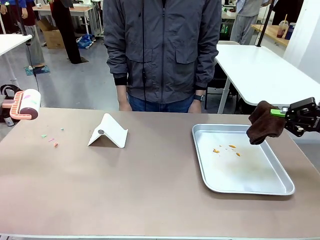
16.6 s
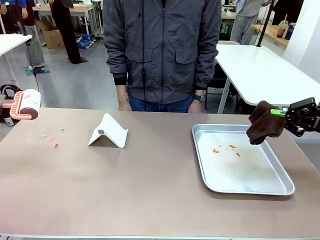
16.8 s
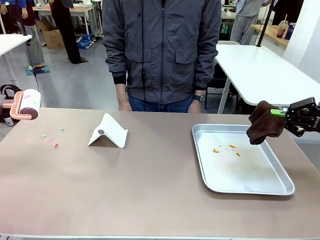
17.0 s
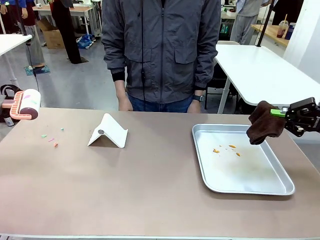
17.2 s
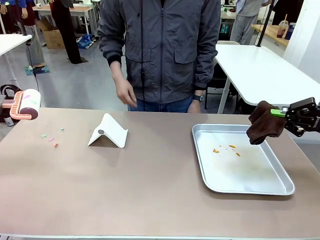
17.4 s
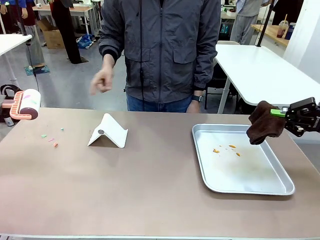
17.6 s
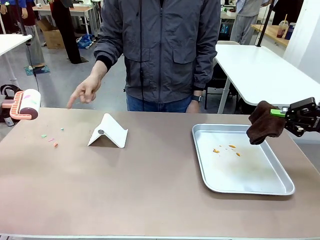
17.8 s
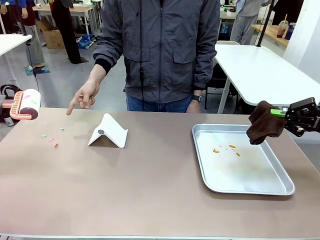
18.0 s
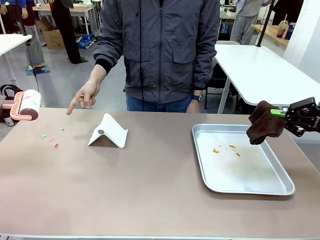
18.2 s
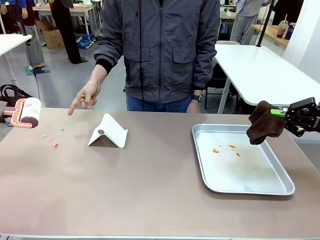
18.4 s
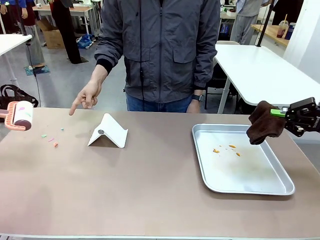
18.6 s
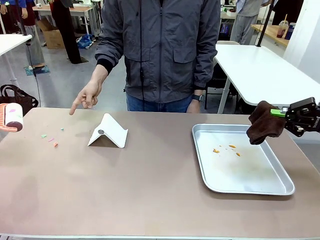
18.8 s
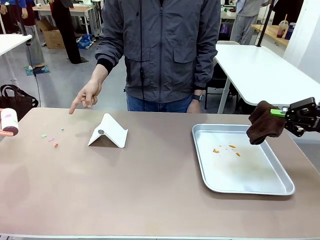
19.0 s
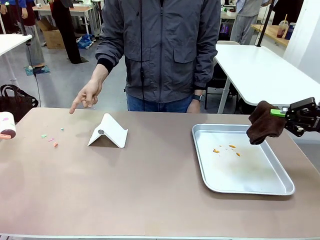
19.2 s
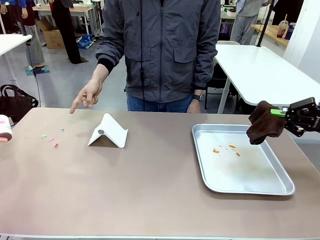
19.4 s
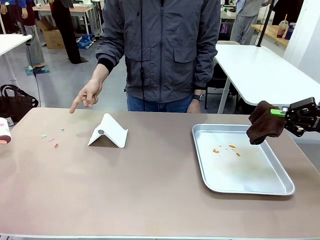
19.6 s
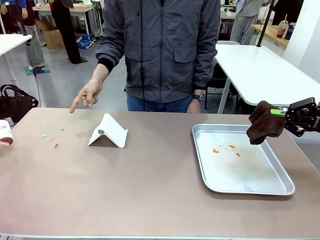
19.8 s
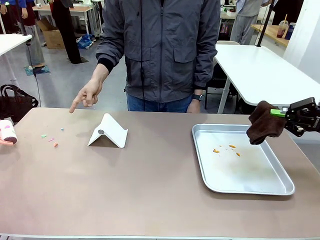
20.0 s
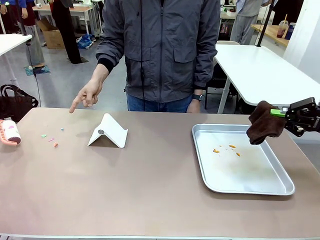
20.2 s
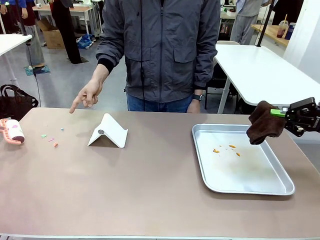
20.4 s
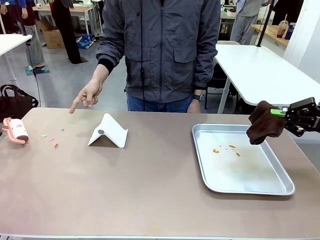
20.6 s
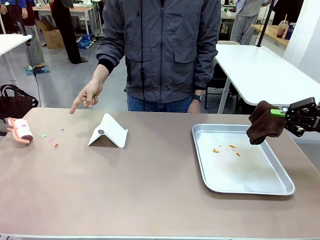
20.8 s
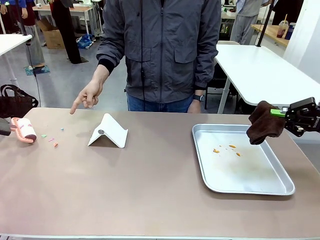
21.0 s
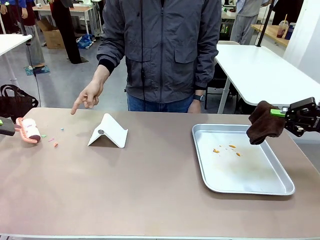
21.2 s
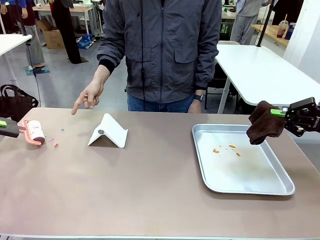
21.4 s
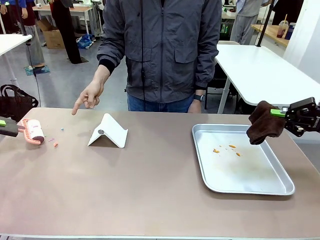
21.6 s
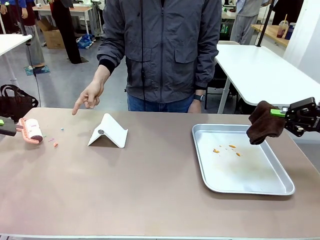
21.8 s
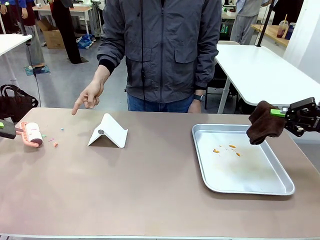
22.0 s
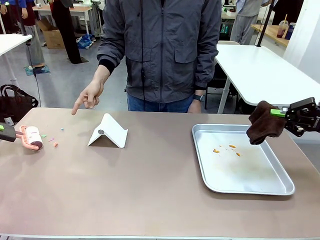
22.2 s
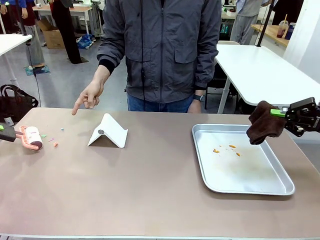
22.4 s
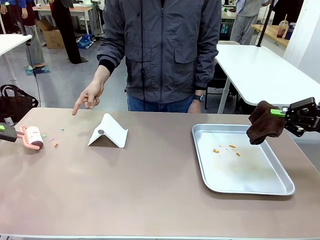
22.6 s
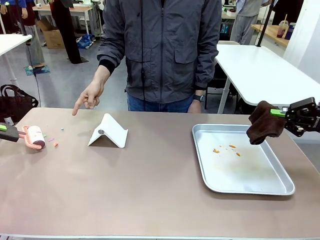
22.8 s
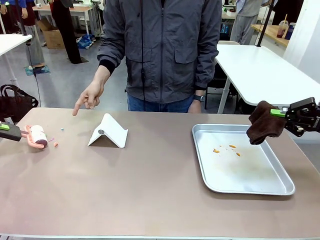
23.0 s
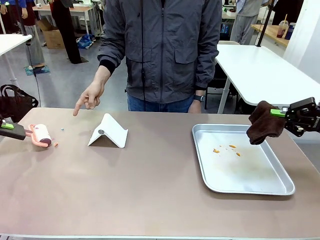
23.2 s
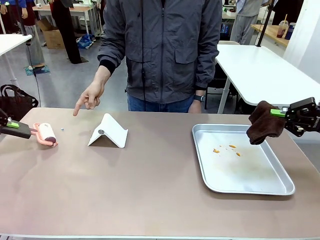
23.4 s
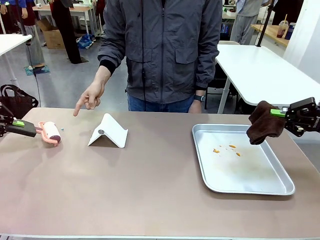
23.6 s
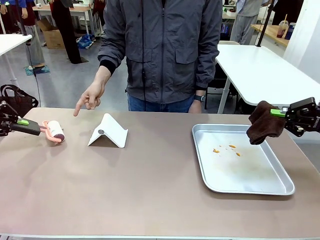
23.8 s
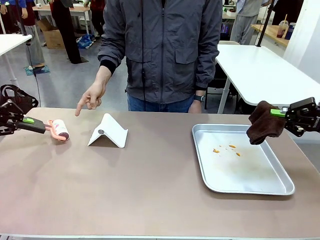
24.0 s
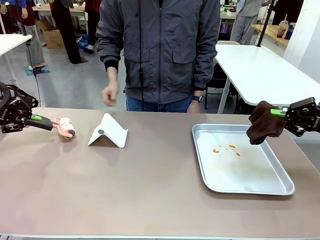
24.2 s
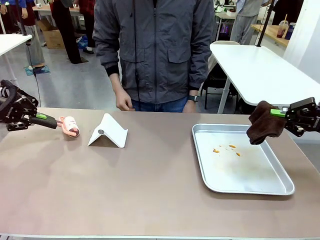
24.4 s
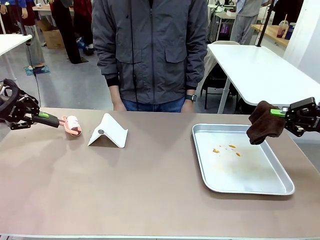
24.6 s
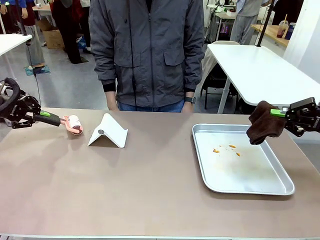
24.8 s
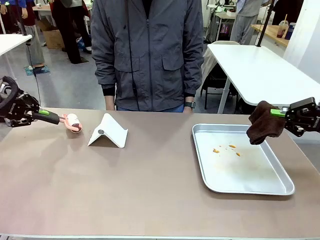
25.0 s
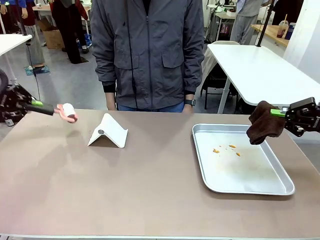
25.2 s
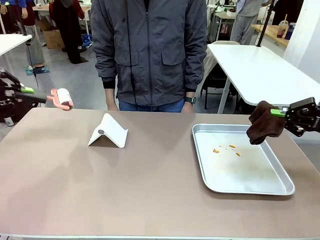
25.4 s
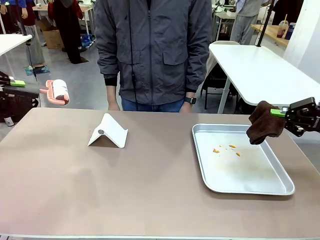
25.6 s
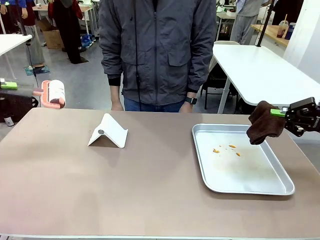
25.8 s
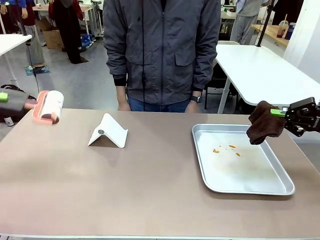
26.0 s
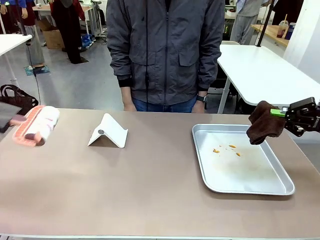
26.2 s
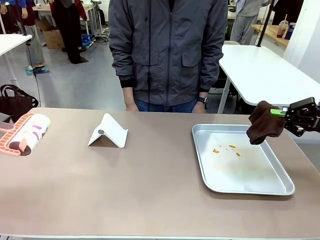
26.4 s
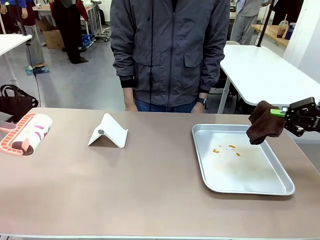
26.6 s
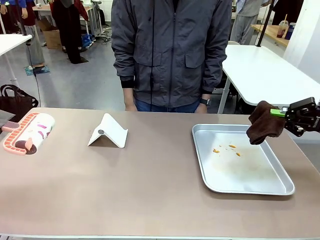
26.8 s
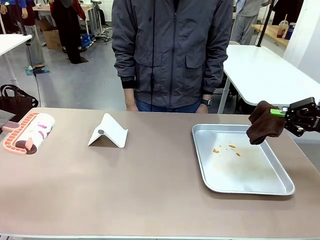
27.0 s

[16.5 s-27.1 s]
Task: Clean the surface of the table.
Robot: If a person points to the right, clean the right side of the table with your right hand, and if they point to the left, clean the left side with your left hand.

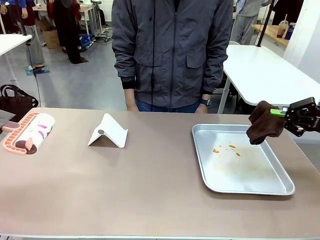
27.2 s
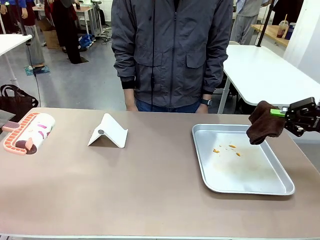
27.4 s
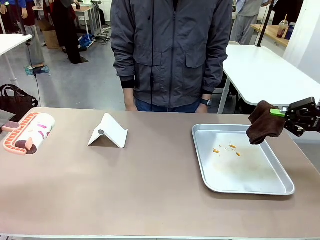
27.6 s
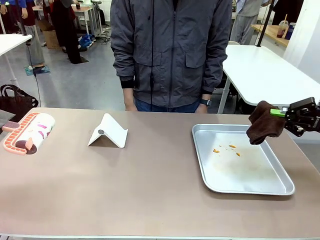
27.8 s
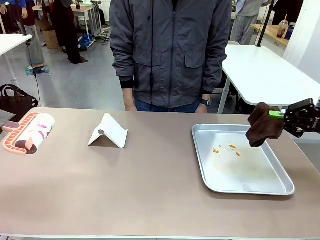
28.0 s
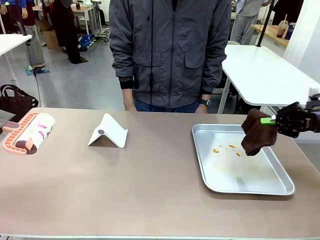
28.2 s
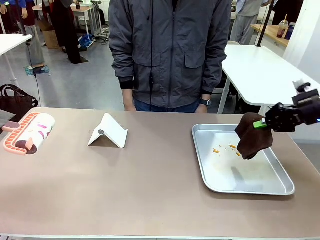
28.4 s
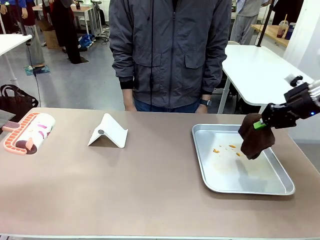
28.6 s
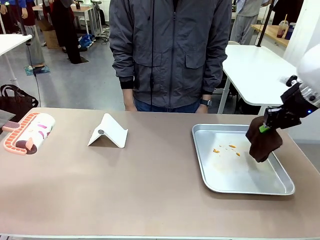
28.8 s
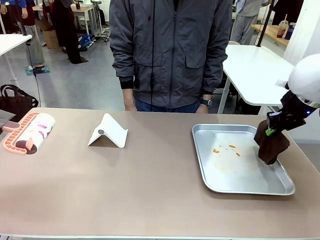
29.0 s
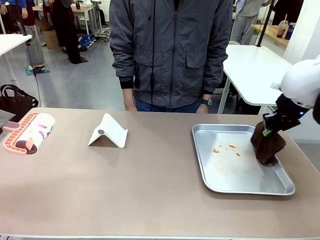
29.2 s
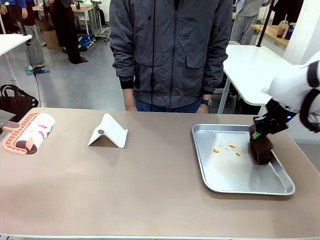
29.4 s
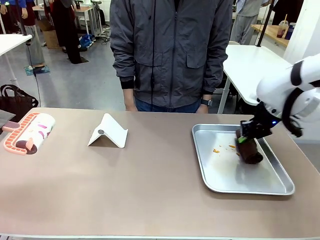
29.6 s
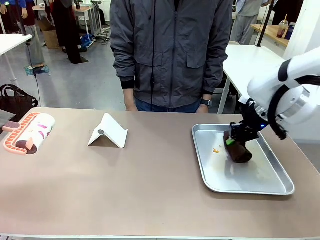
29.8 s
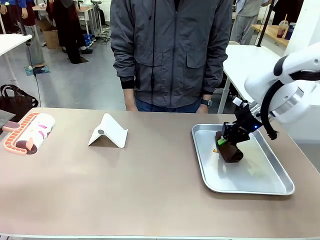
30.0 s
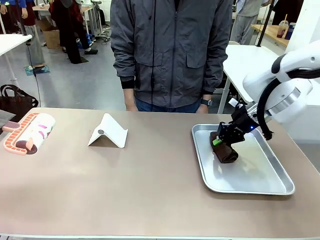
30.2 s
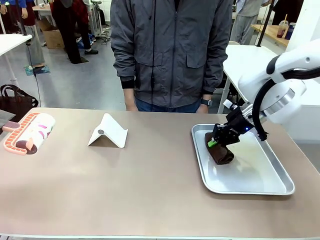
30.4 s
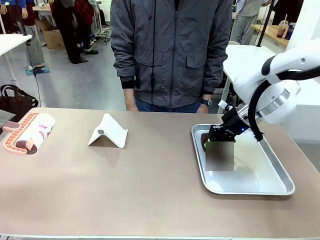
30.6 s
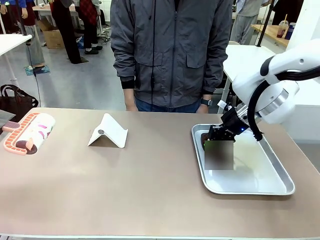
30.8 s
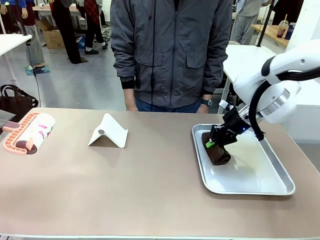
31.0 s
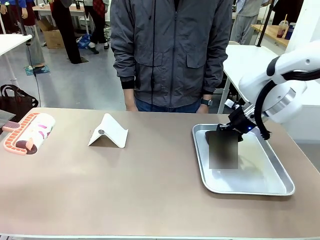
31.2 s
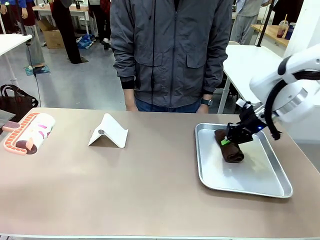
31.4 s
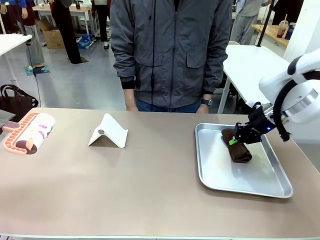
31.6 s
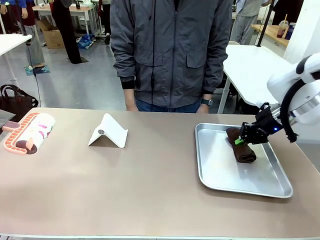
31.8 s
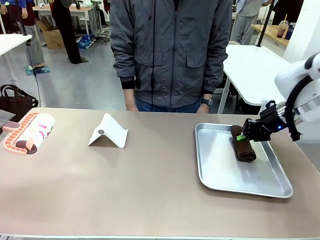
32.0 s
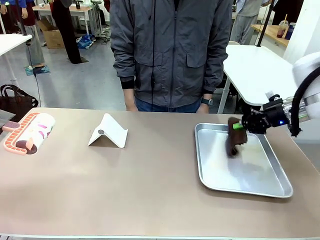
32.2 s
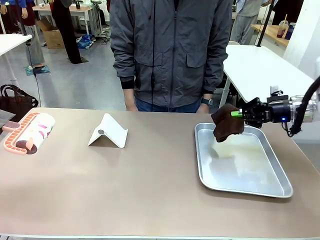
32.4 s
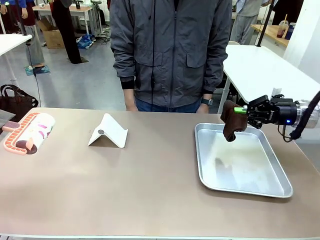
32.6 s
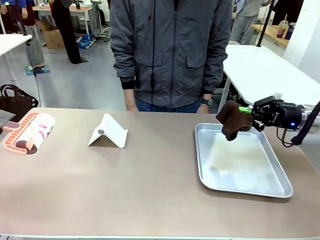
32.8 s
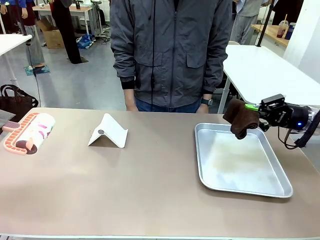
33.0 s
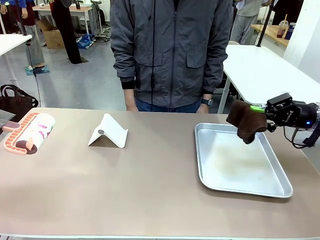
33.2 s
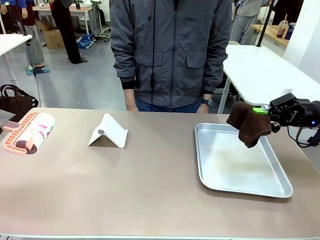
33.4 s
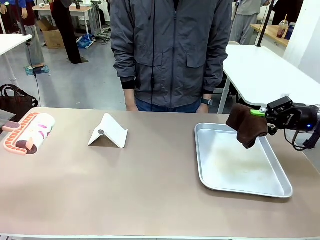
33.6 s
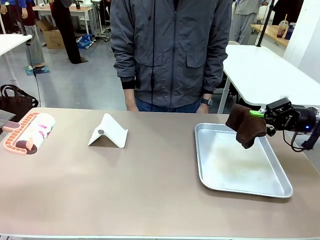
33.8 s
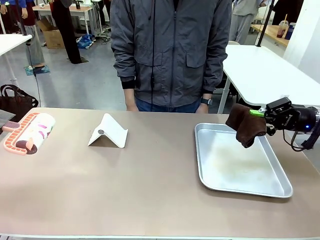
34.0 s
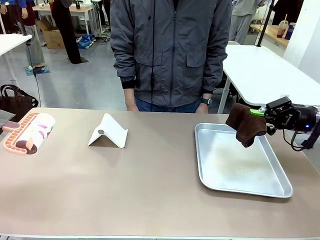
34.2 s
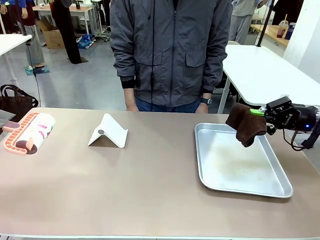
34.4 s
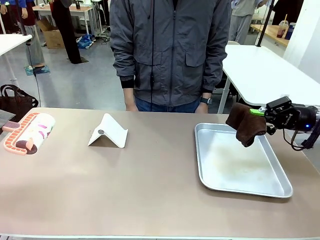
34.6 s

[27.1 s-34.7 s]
Robot: Clean the area not pointed to by the person.
